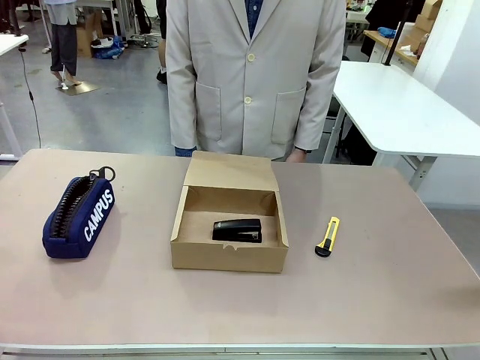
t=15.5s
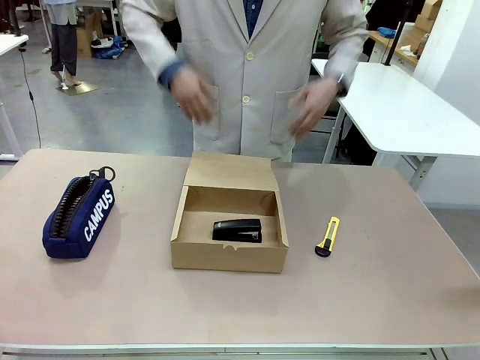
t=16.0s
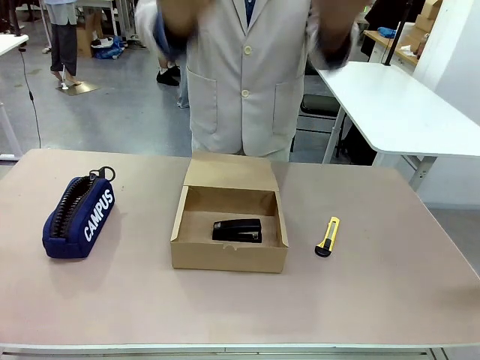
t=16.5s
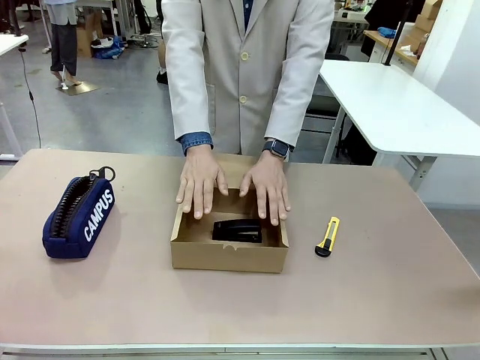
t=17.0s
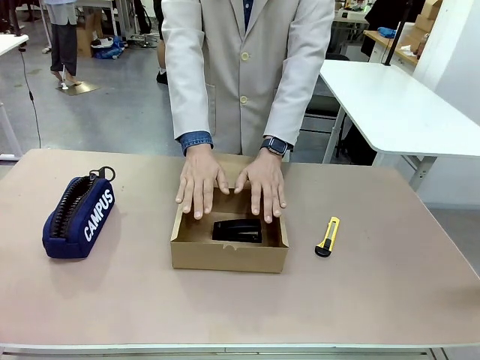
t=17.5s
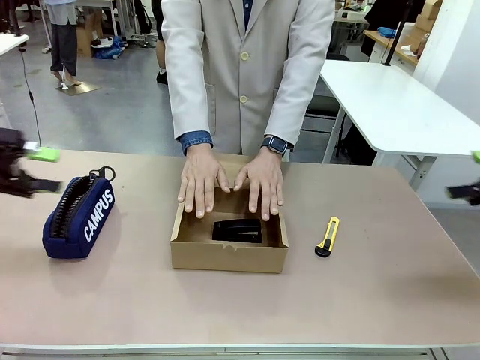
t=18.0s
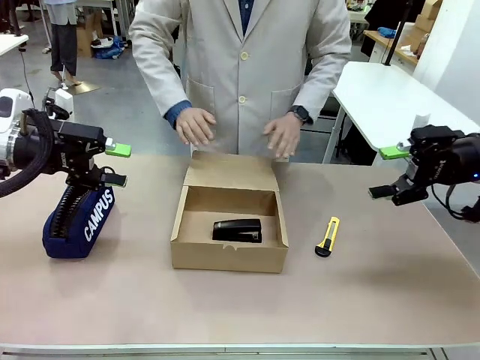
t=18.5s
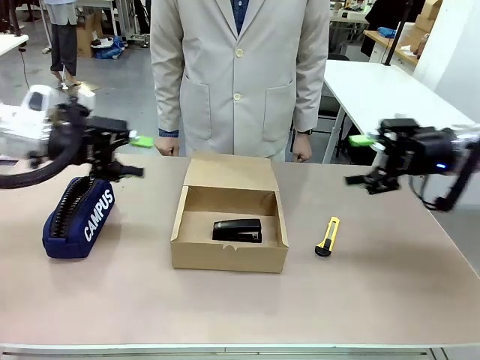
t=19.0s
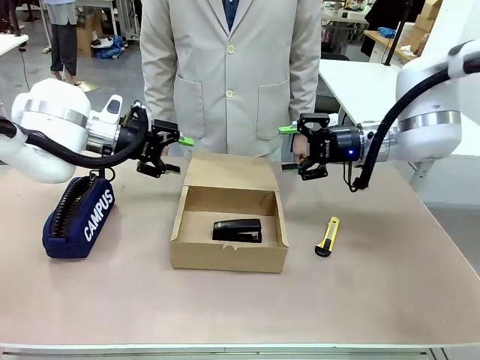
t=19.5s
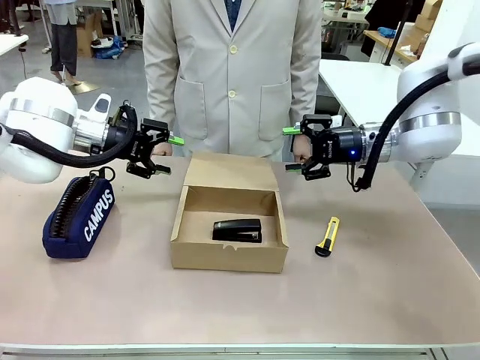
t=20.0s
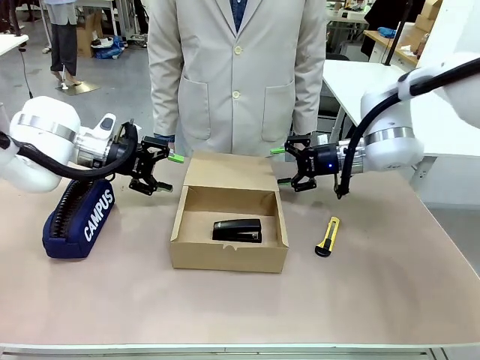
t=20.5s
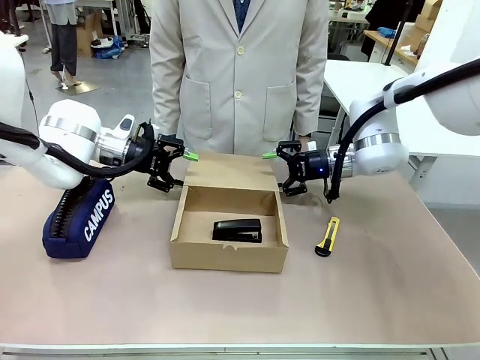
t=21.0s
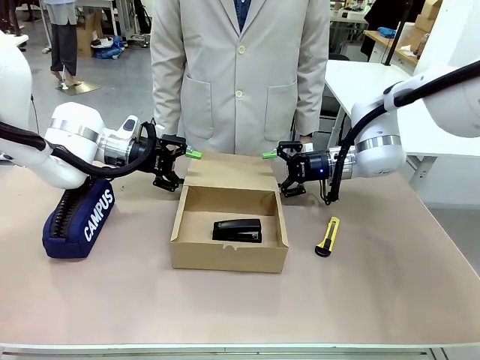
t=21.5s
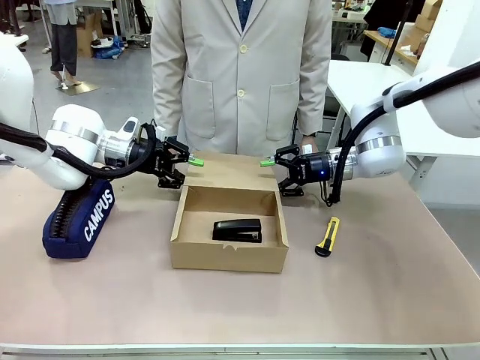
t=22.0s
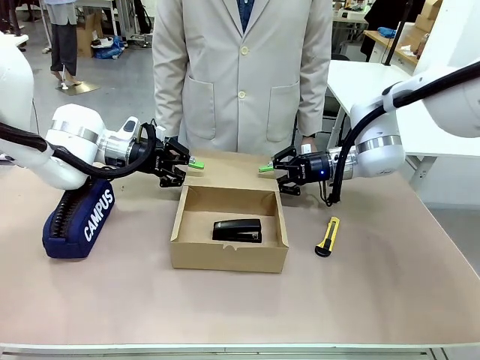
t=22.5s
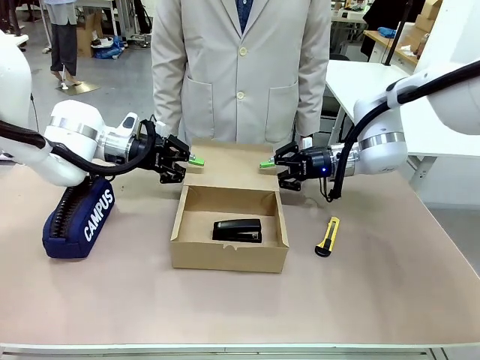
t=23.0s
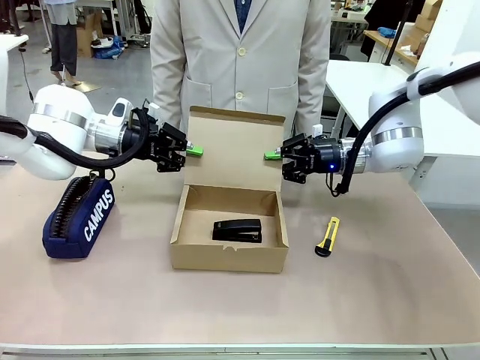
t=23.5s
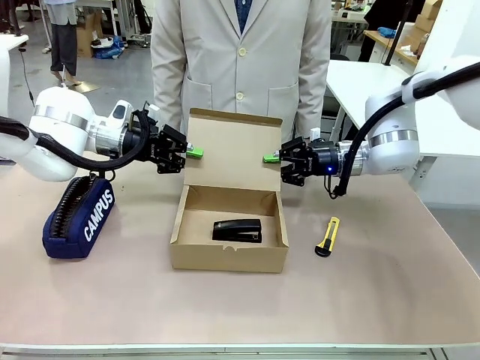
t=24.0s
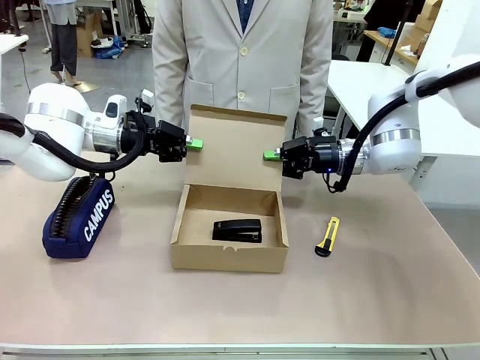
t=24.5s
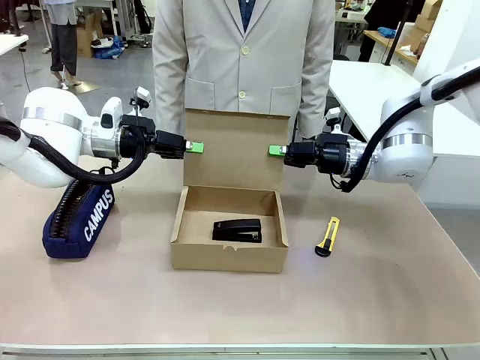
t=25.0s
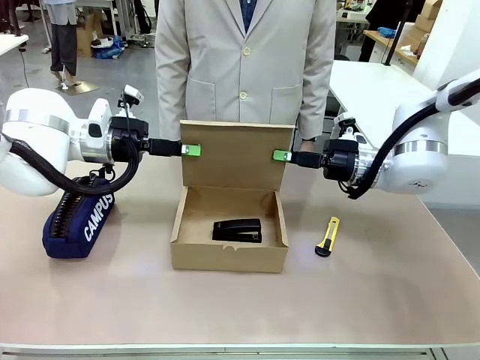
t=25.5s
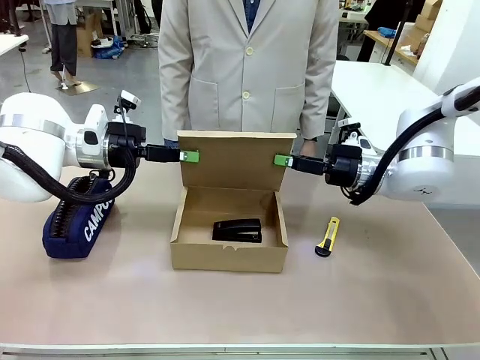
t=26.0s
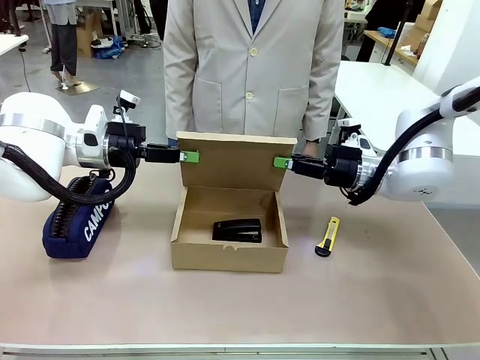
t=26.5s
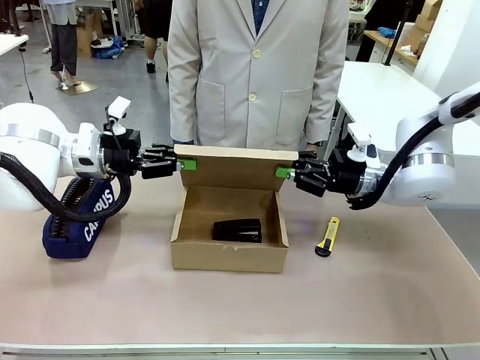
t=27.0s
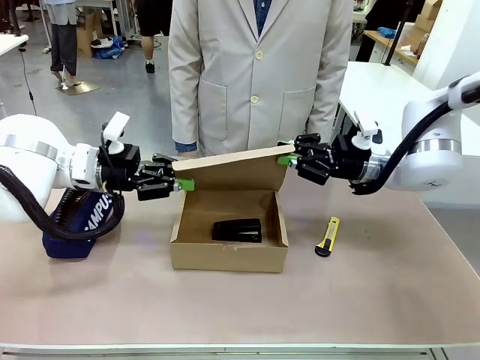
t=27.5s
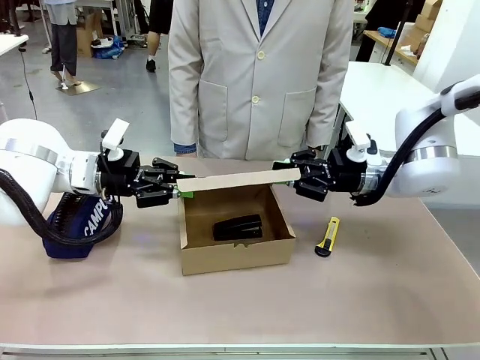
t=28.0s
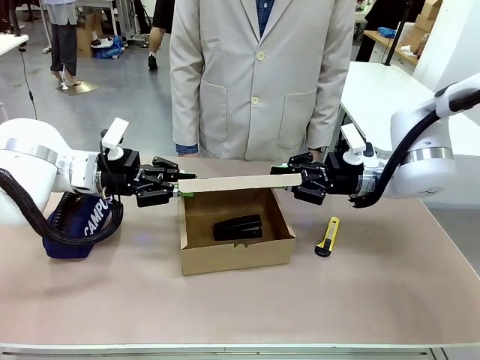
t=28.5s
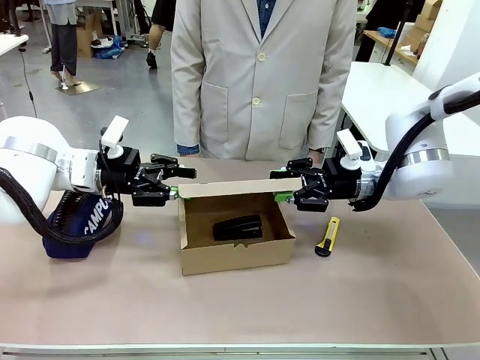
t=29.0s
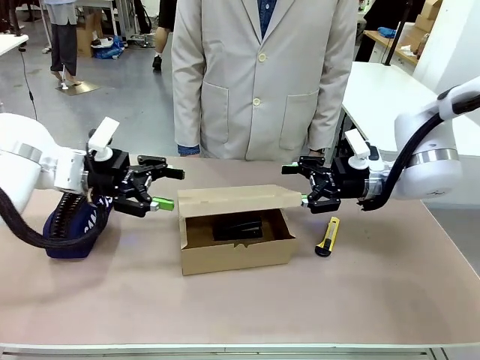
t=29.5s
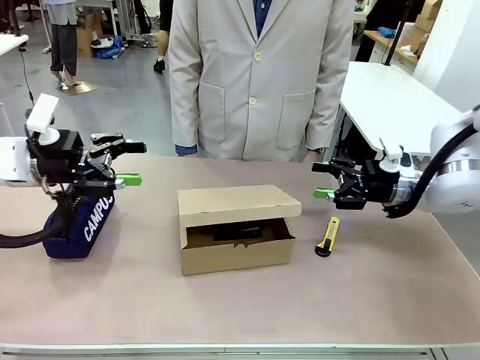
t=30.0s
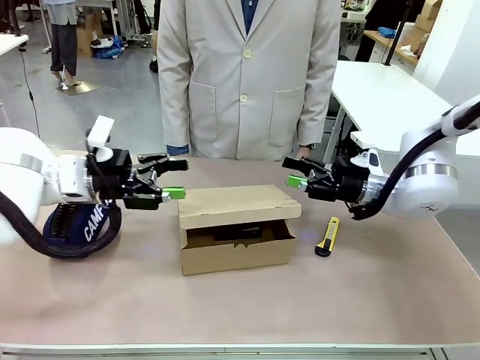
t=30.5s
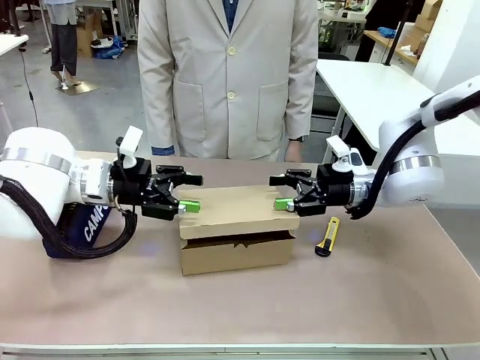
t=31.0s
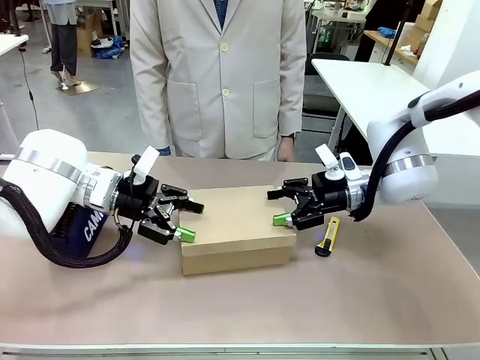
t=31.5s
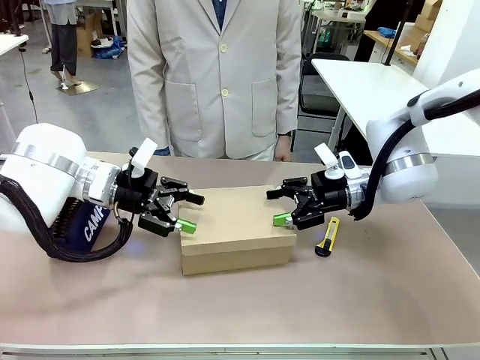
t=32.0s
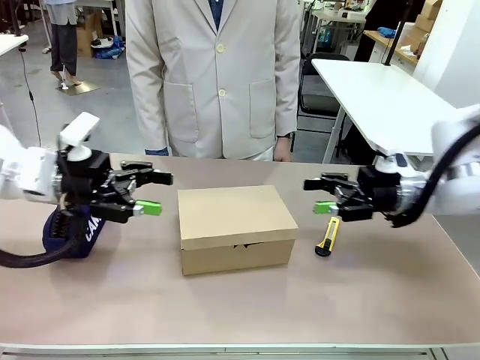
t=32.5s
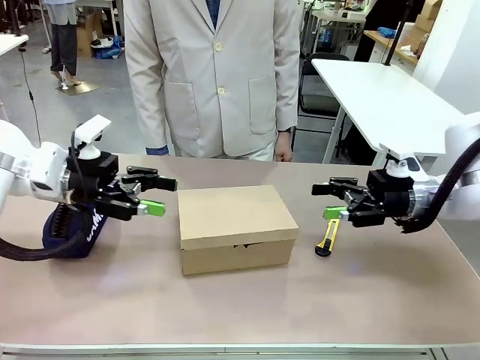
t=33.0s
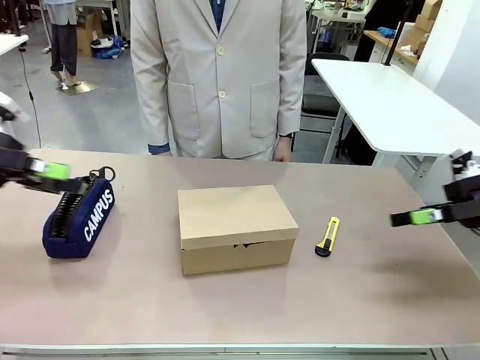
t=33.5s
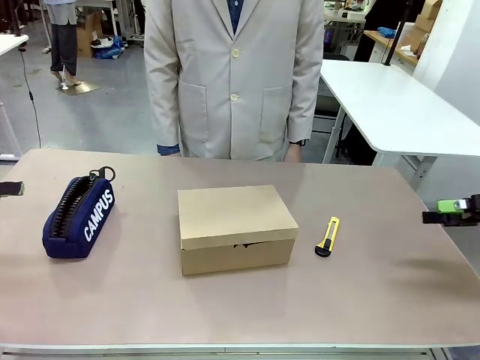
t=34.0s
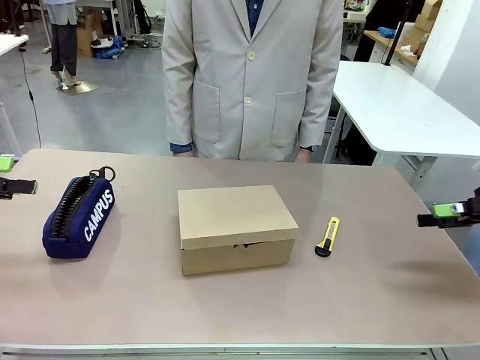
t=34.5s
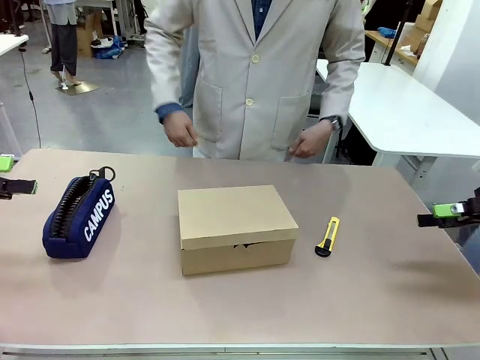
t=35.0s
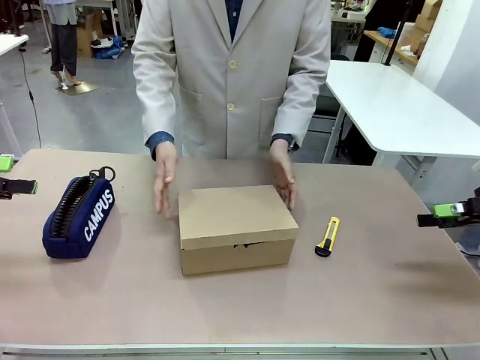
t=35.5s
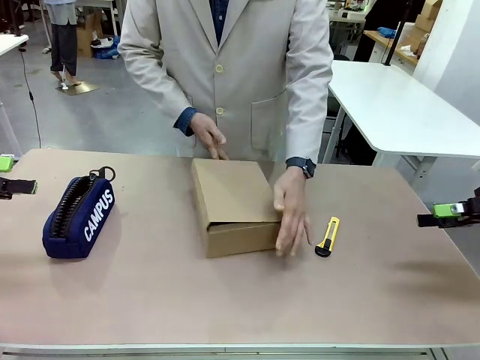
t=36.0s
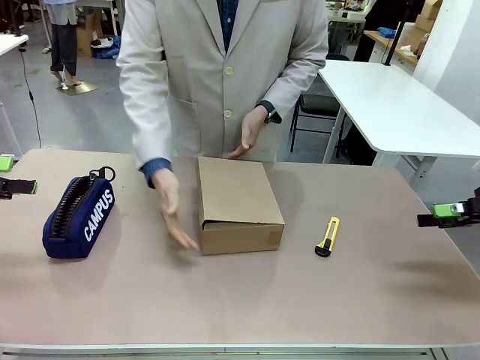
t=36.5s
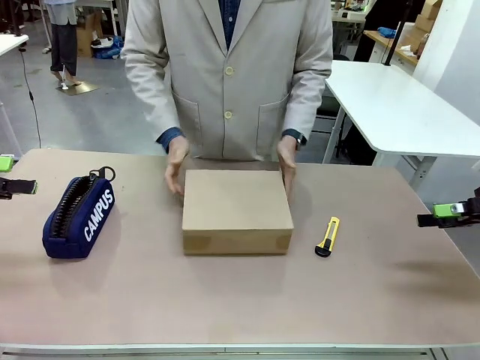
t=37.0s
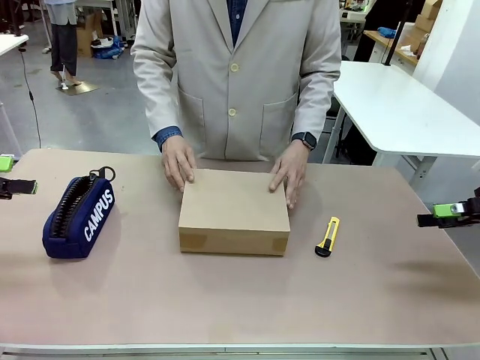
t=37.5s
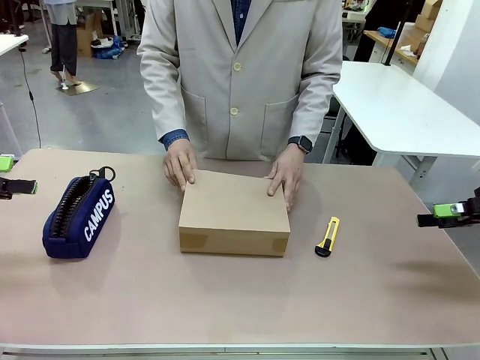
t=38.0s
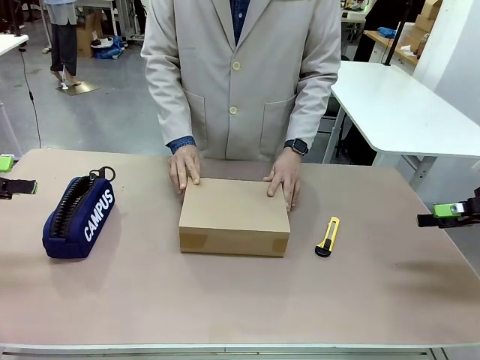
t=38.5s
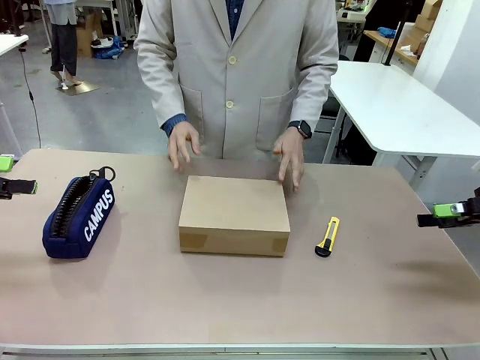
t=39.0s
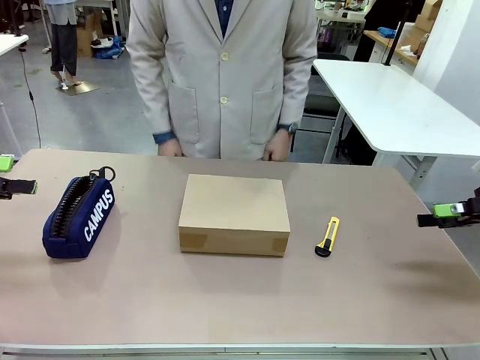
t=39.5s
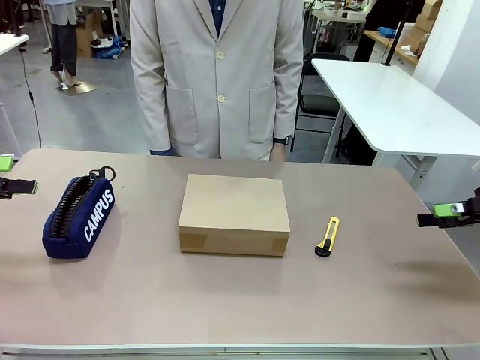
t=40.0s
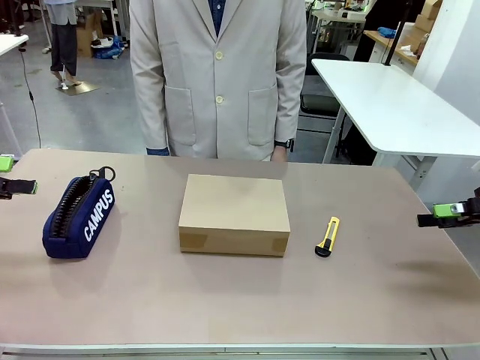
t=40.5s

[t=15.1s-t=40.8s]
Task: Pack the item into the box.
Robot: Close the Mailer Box.
Person: Lower both hands vertically with palms facing downward, as if pressing something closed. Turn the box and lock it.
